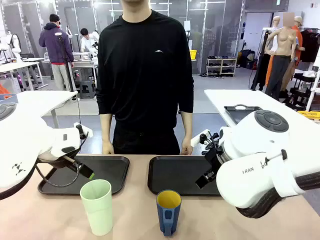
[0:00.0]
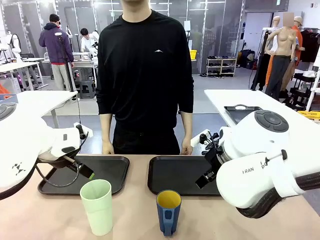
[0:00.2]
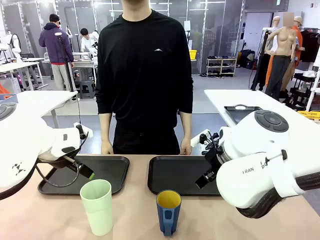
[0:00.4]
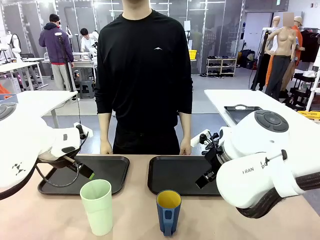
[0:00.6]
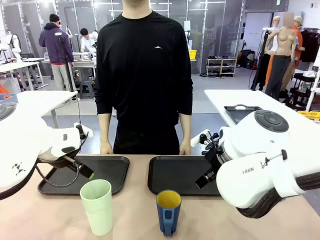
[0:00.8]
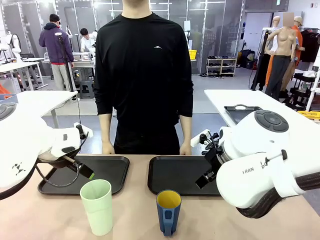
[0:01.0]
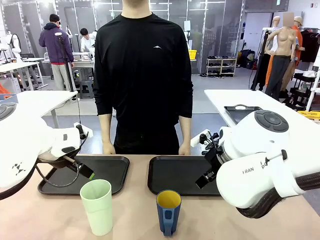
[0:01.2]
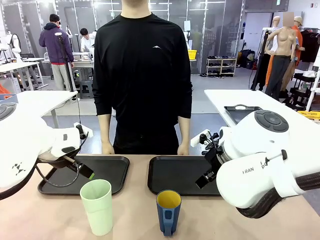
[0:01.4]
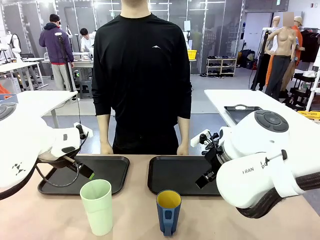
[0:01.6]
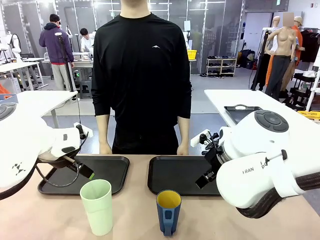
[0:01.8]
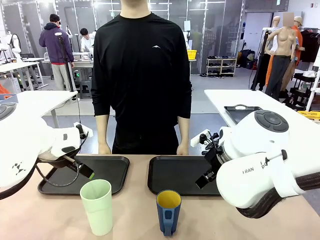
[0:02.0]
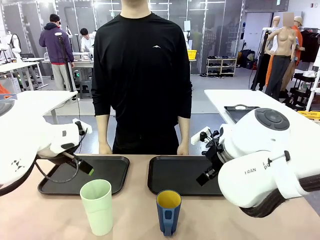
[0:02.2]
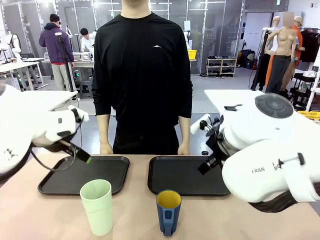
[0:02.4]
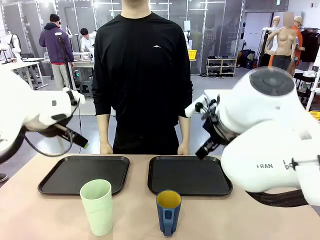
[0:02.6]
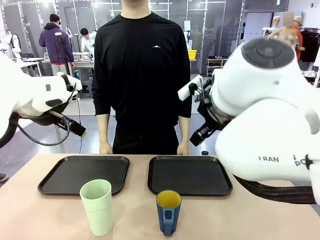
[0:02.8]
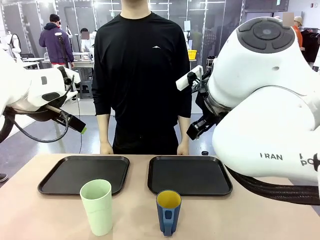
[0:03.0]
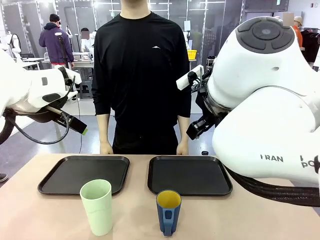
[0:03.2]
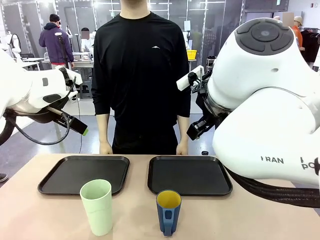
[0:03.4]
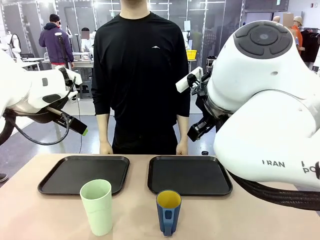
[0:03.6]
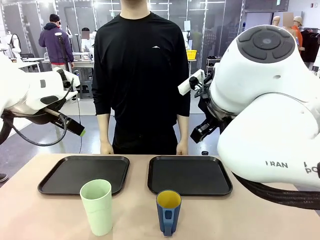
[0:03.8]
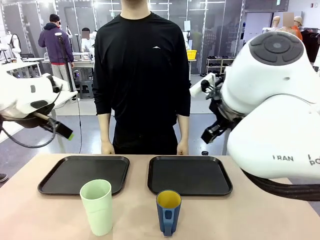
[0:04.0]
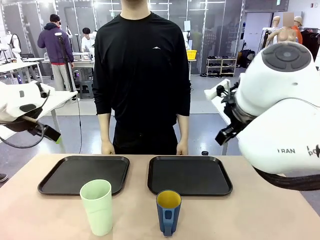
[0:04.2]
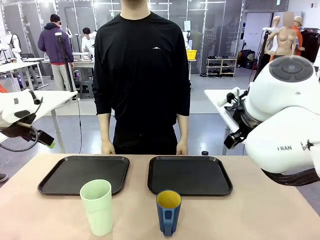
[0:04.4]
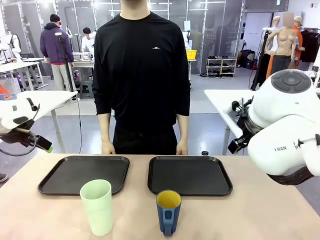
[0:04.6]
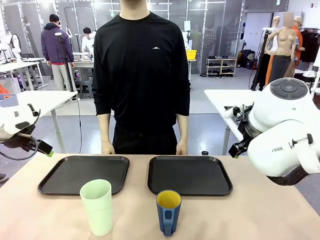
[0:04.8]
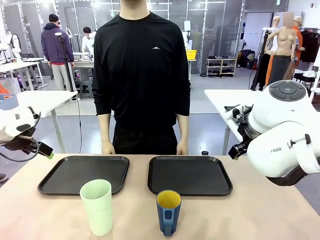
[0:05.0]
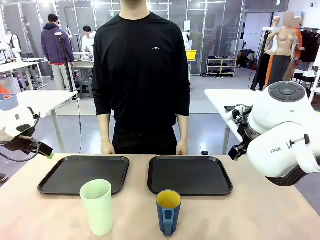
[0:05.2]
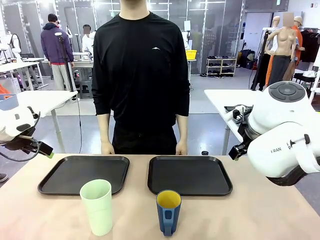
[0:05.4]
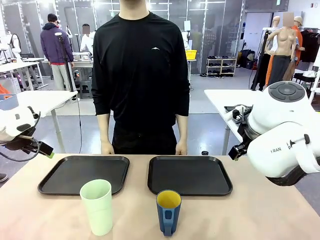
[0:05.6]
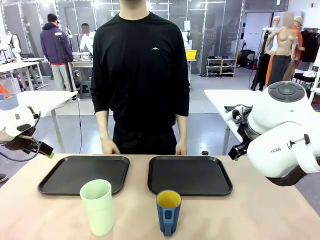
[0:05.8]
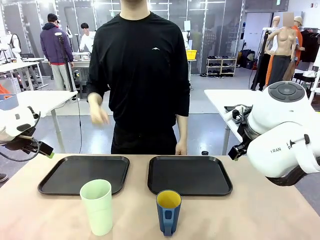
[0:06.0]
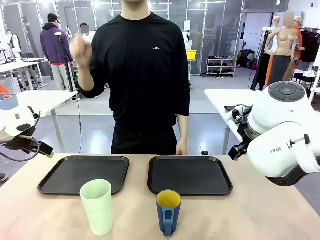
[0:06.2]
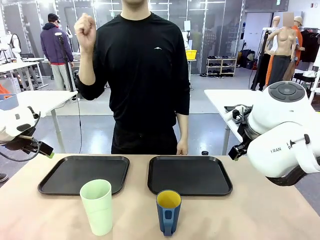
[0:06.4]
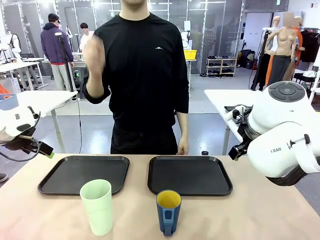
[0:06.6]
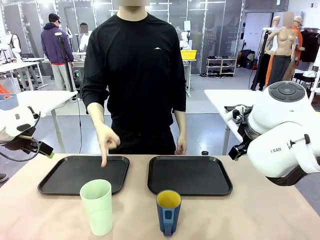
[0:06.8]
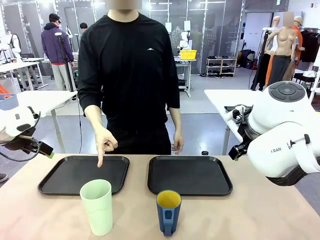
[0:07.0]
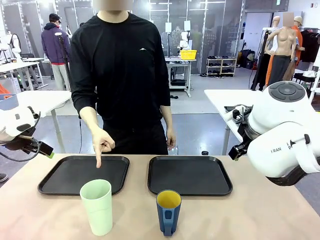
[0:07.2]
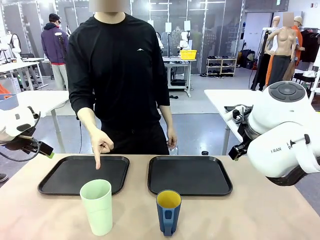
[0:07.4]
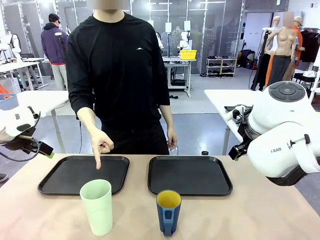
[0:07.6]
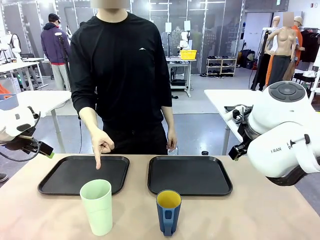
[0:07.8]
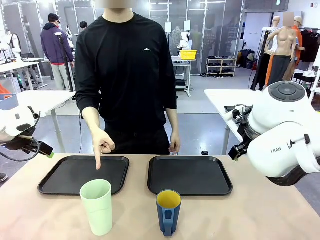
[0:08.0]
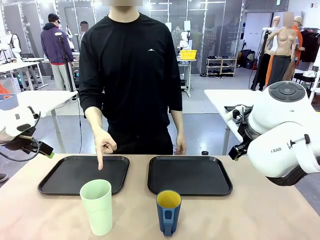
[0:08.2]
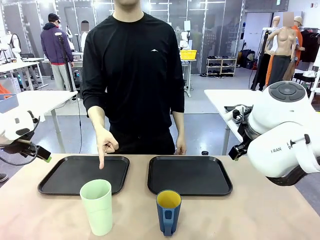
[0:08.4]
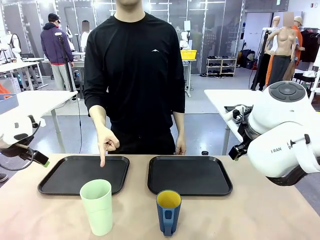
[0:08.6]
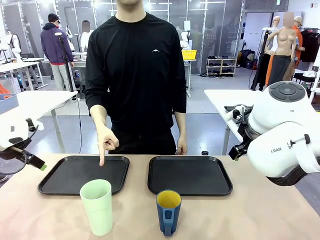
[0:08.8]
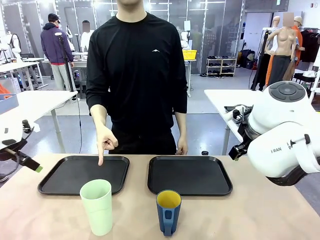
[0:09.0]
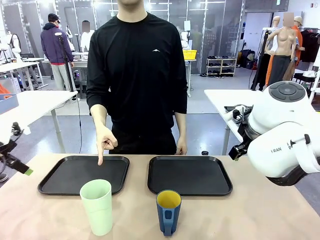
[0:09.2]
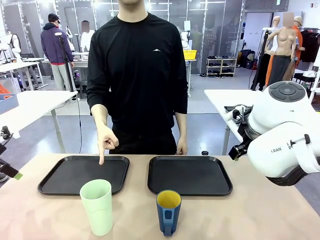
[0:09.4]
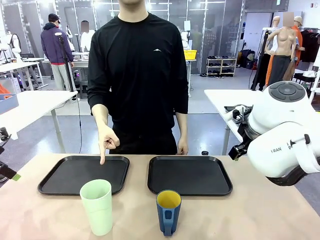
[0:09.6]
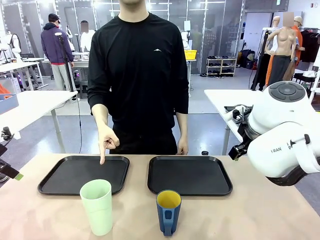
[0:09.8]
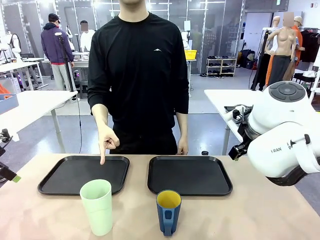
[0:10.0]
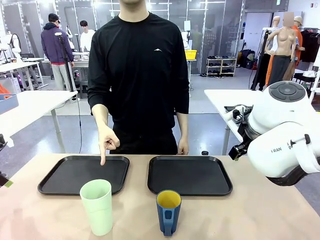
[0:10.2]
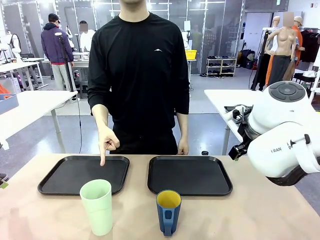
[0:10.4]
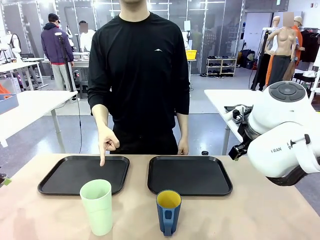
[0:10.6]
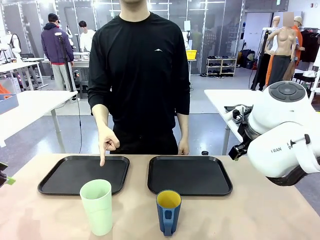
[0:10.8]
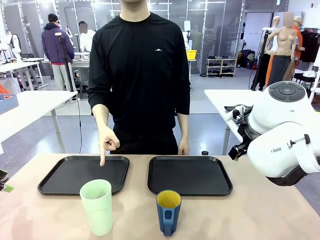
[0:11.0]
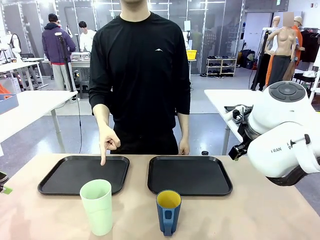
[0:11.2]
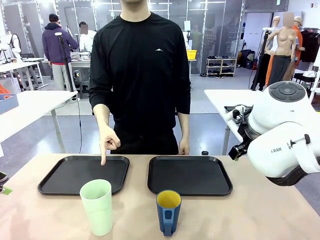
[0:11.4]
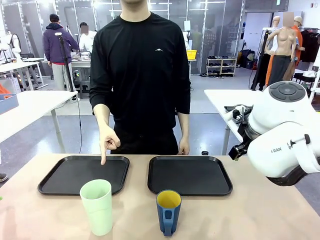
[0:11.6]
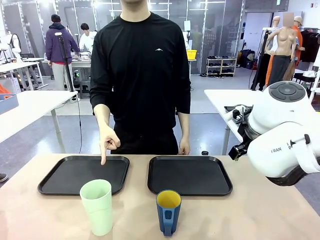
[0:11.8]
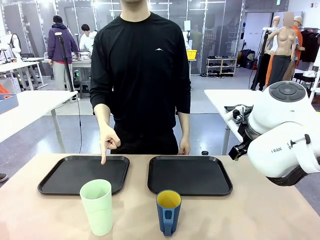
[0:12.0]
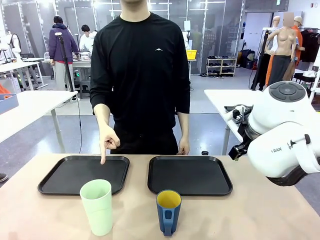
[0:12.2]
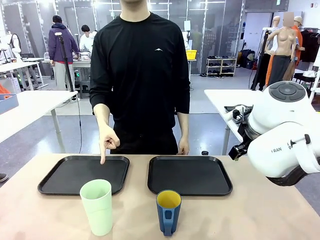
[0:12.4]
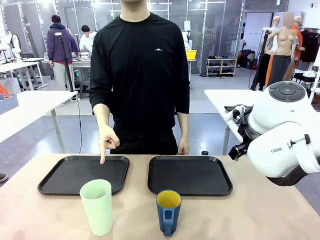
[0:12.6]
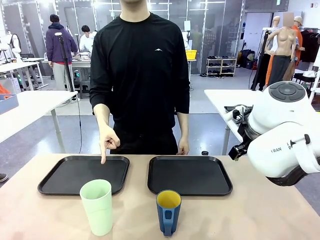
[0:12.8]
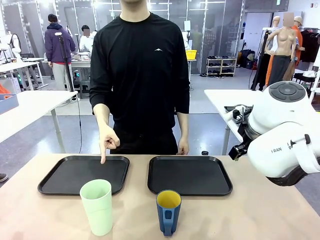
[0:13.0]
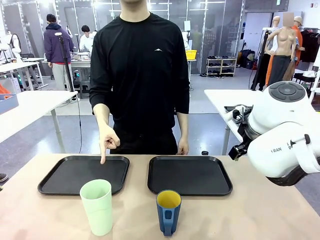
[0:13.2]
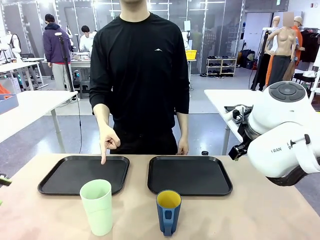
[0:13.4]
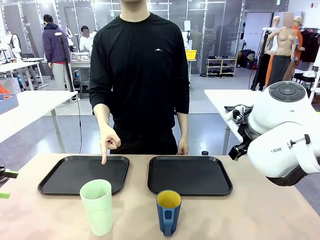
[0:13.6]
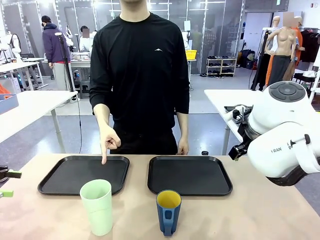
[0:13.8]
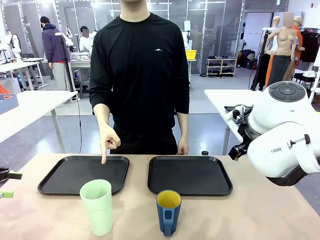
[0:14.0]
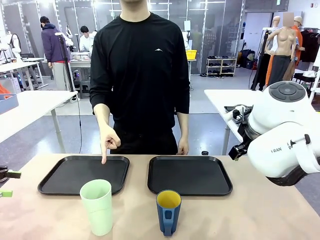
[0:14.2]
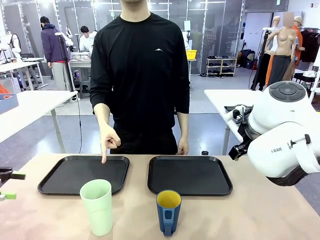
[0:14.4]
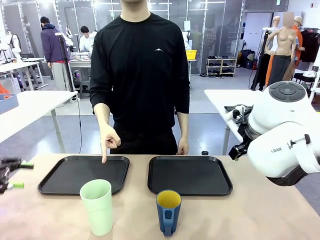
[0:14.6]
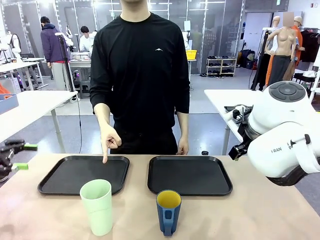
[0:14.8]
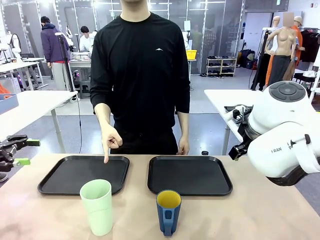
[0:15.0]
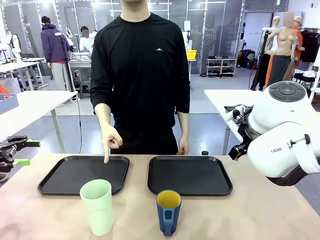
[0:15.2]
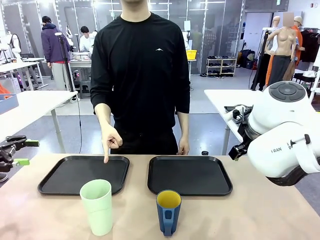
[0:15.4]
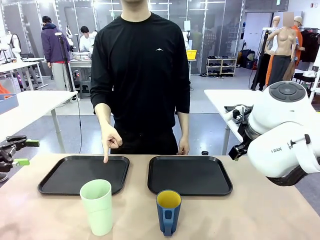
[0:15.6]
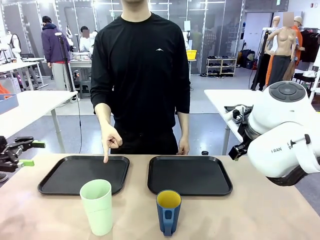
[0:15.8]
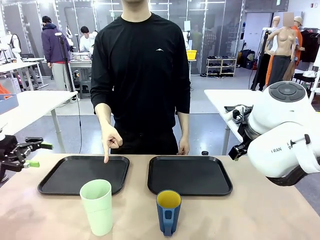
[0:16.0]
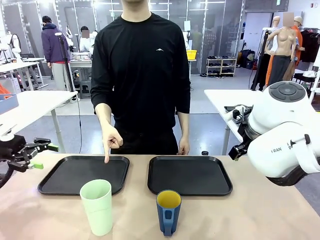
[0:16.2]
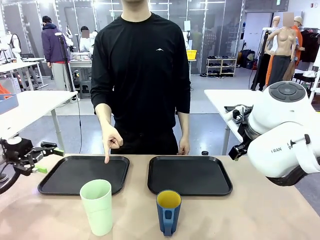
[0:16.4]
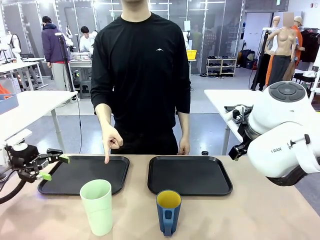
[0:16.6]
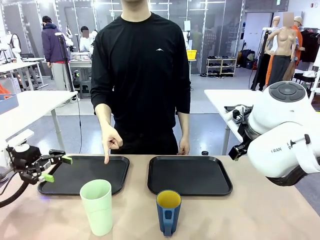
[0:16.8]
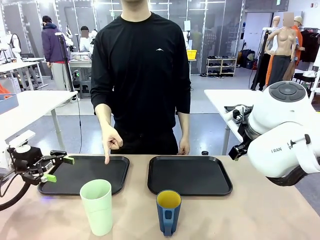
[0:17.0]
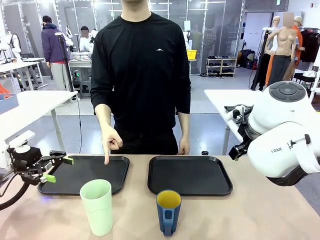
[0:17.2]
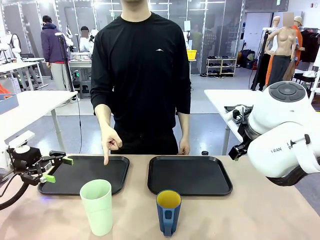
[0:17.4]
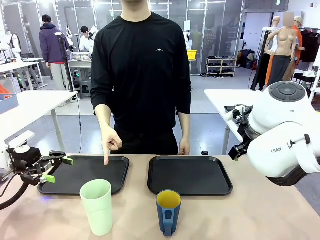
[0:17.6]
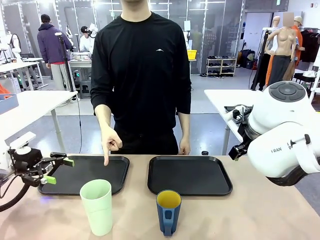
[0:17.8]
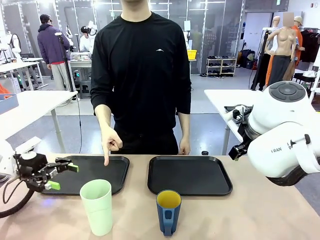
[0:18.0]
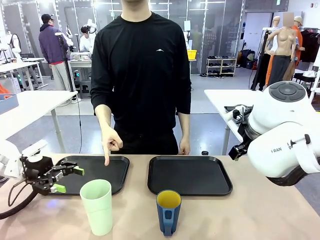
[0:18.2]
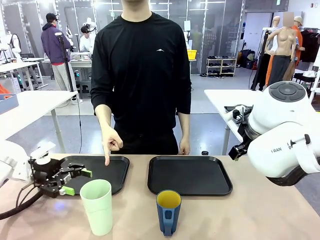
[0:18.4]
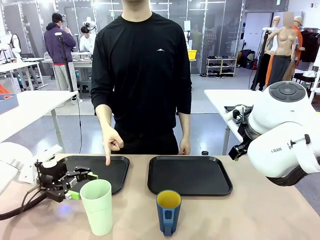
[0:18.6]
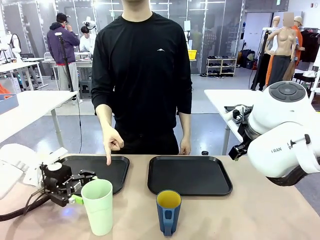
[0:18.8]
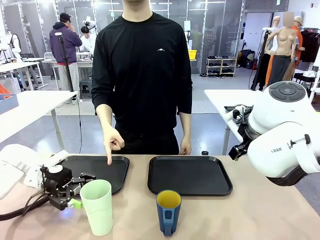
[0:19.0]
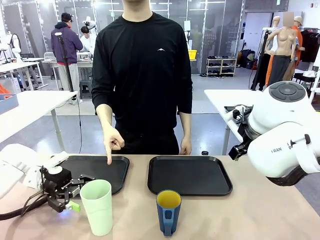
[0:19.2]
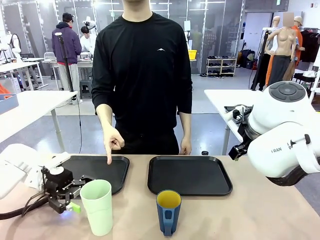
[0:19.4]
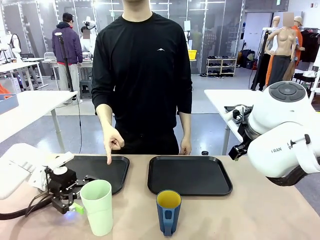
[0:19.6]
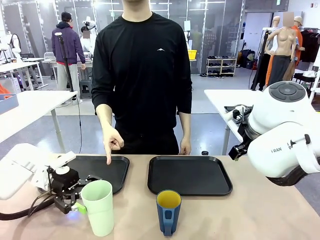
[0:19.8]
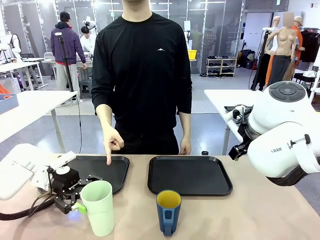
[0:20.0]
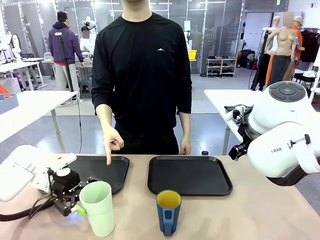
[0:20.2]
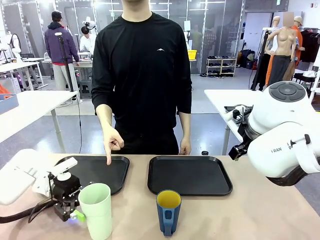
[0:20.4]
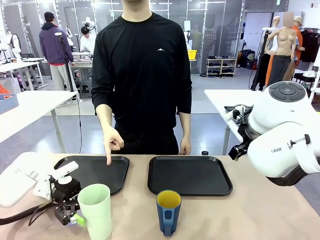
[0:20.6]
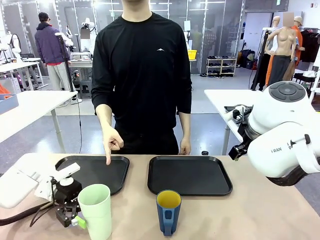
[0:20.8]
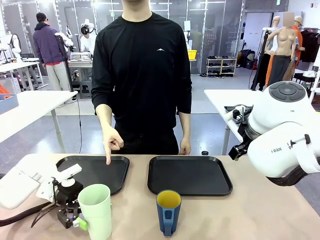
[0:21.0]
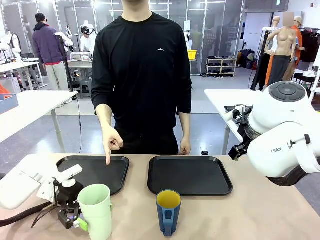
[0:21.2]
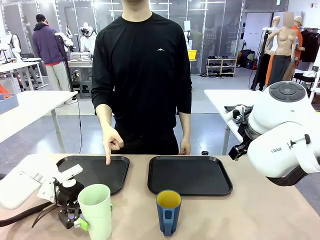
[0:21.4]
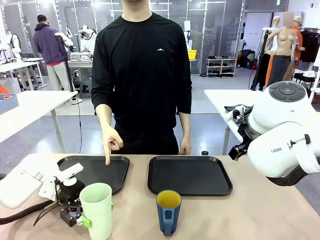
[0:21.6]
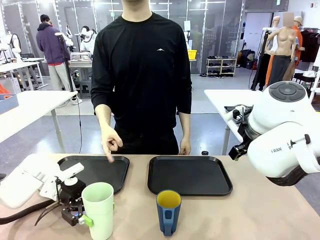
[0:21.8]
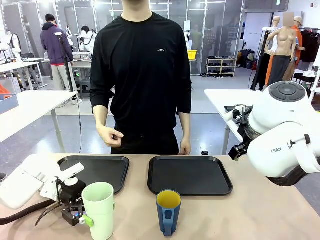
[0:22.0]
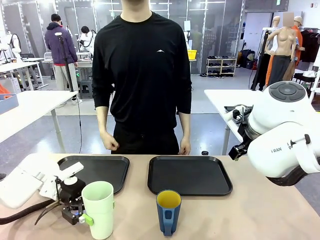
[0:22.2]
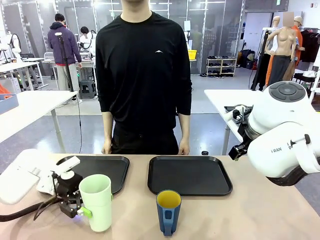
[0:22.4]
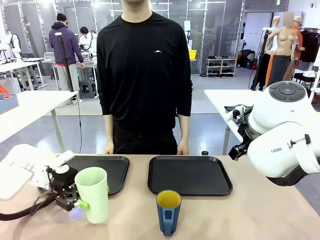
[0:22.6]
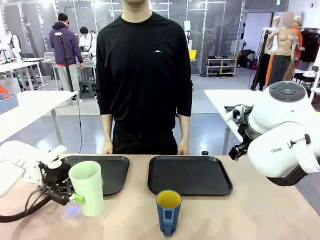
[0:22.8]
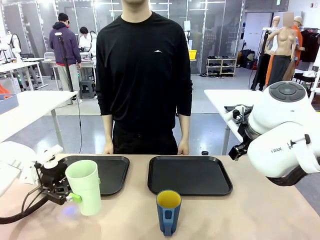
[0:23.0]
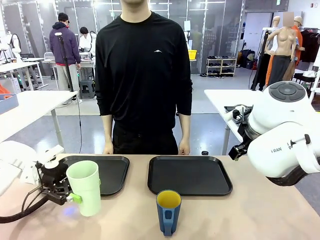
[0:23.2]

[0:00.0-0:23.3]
Task: Sort and store the cups by type.
Robot: Pick up the Reusable plastic cup.
Person: Points to the reusable cup. Point to one of the two trays.
